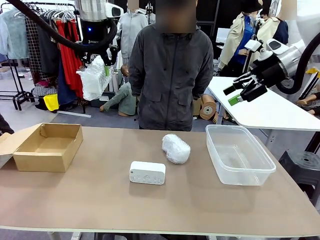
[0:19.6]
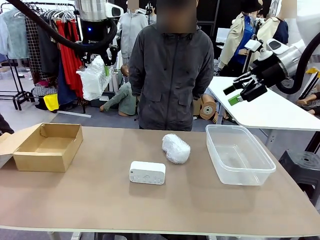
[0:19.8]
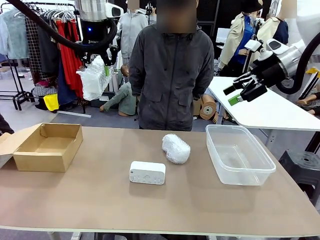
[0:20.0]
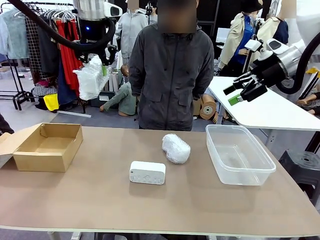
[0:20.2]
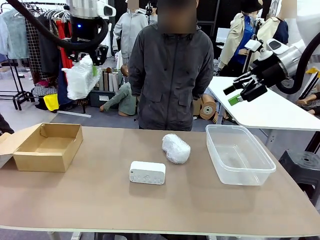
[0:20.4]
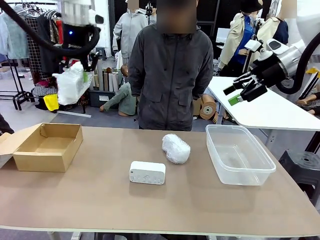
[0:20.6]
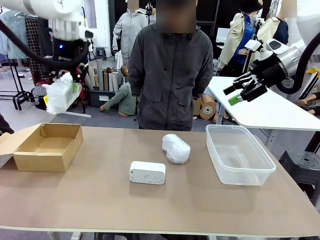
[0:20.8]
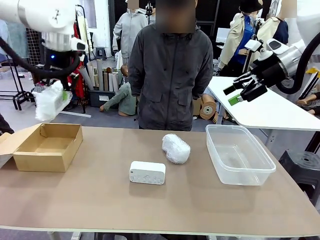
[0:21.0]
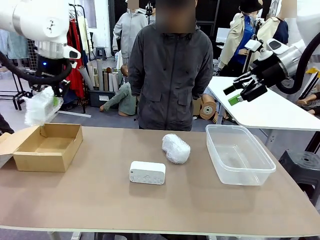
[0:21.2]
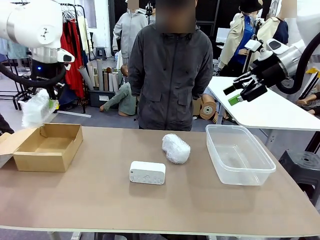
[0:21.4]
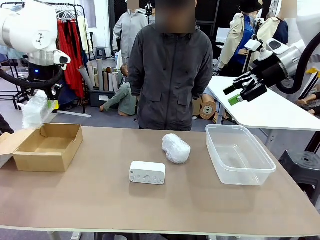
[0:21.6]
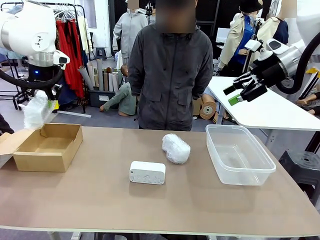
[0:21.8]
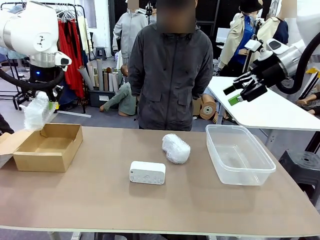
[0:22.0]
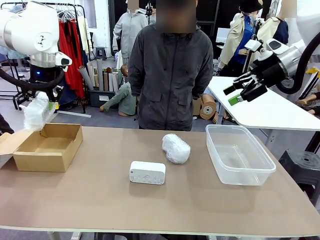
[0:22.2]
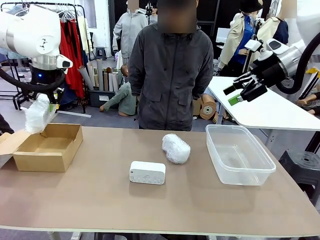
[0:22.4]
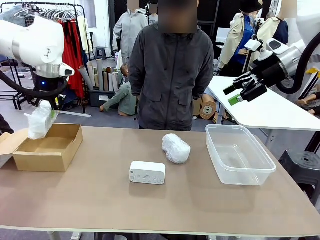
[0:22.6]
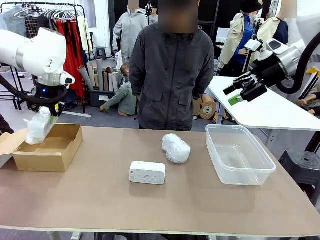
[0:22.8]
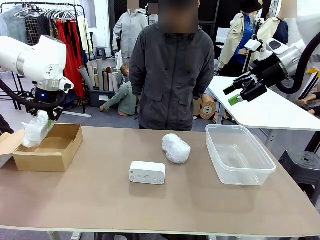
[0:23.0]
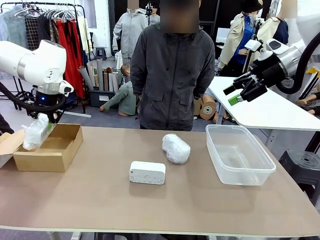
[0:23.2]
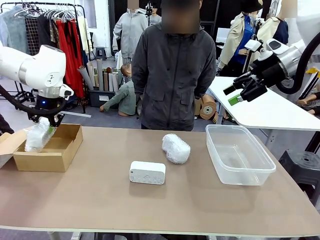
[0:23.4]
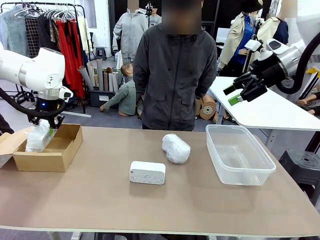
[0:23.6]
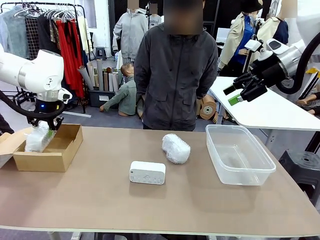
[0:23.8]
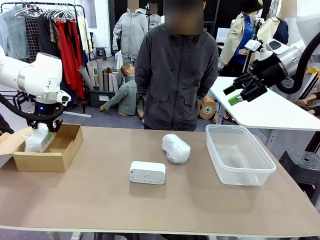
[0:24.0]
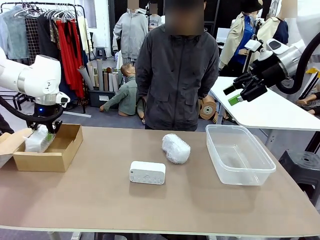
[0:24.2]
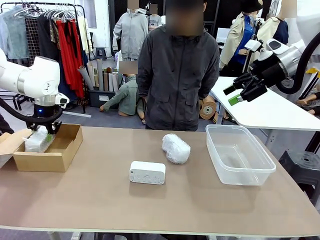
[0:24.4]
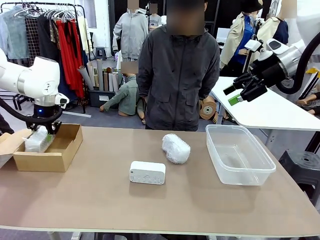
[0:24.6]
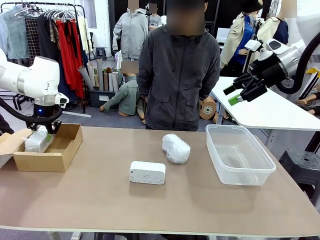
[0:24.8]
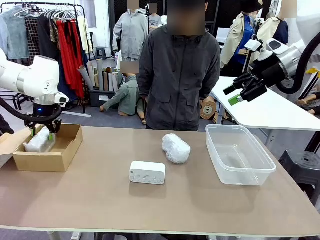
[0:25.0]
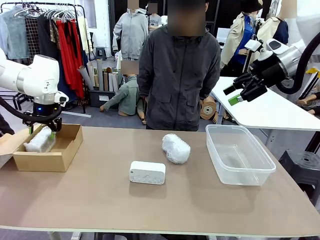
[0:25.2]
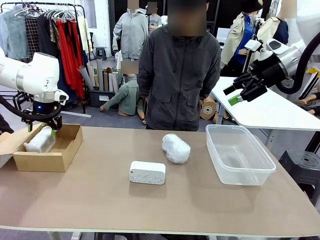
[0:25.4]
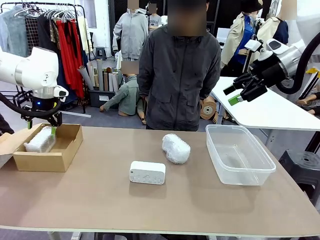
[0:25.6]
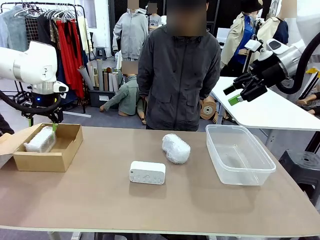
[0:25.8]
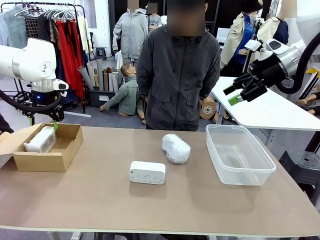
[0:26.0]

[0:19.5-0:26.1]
Task: Separate and place wrapped and unwrapped clocks.
Robot: If the picked Digital clock is wrapped, place it in the Package Box ; if not, place it in the Organizing box.

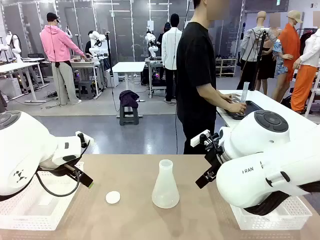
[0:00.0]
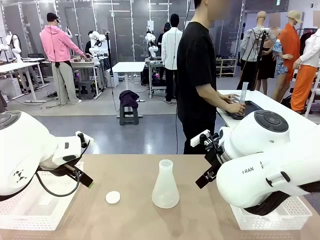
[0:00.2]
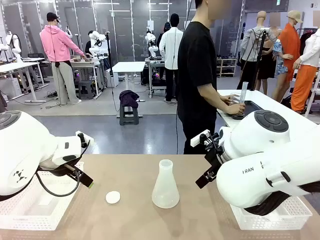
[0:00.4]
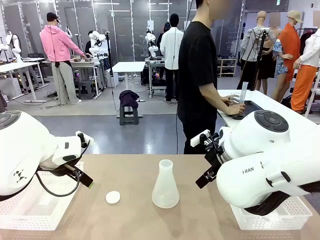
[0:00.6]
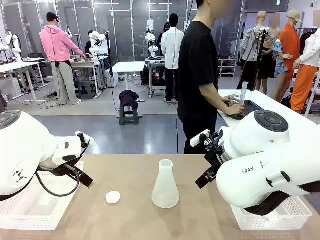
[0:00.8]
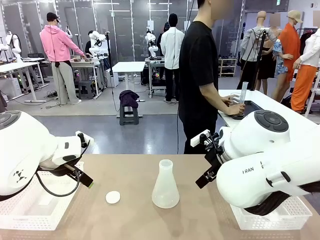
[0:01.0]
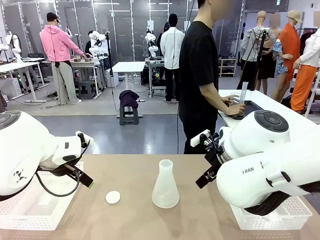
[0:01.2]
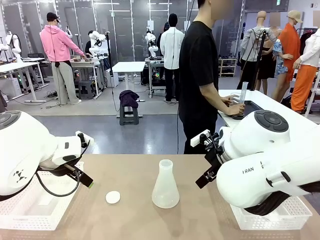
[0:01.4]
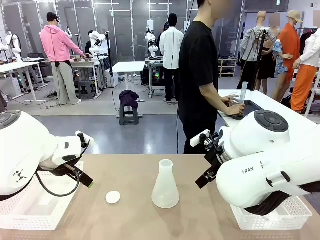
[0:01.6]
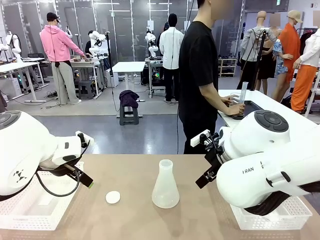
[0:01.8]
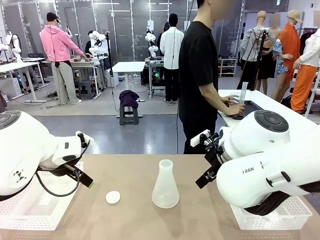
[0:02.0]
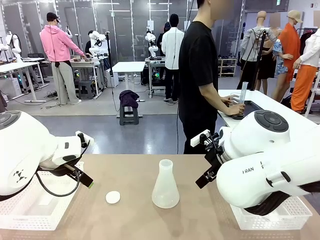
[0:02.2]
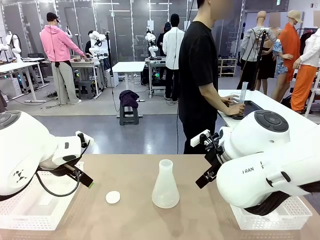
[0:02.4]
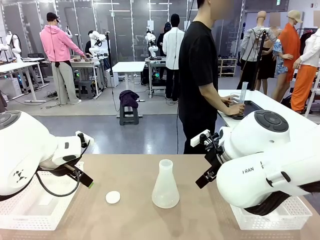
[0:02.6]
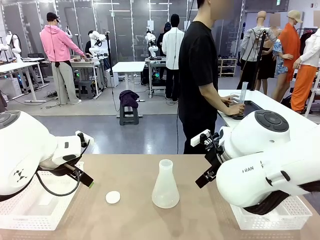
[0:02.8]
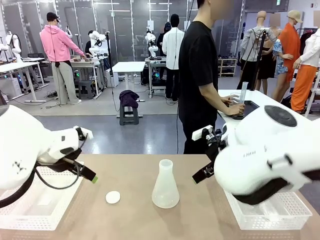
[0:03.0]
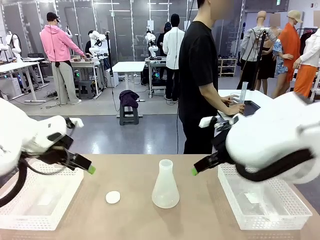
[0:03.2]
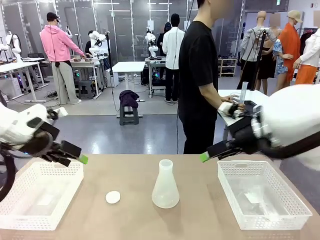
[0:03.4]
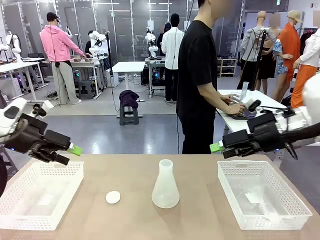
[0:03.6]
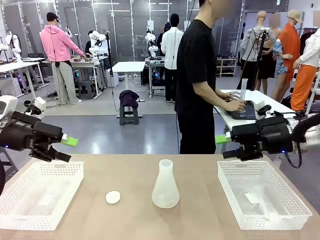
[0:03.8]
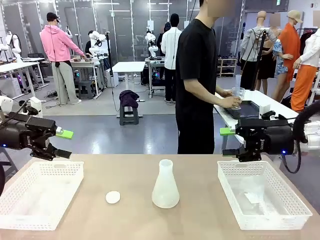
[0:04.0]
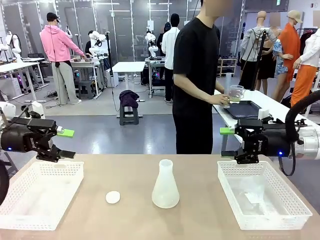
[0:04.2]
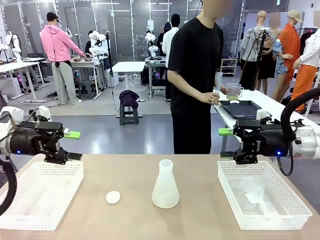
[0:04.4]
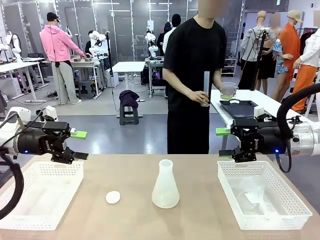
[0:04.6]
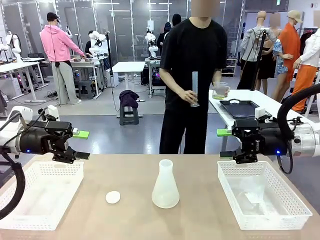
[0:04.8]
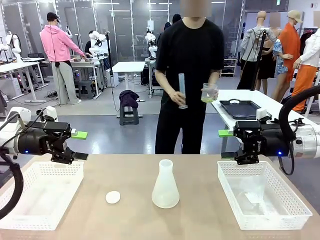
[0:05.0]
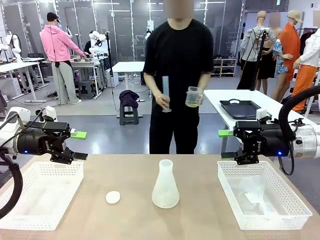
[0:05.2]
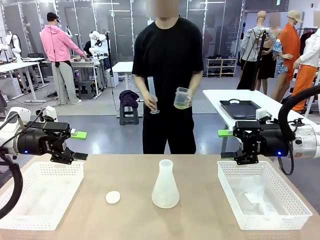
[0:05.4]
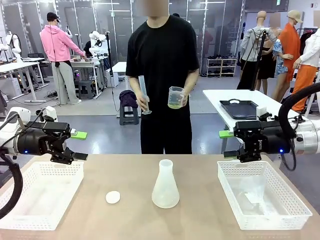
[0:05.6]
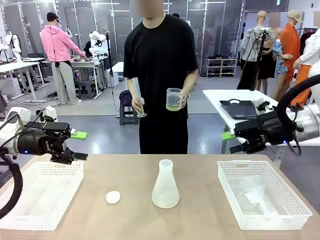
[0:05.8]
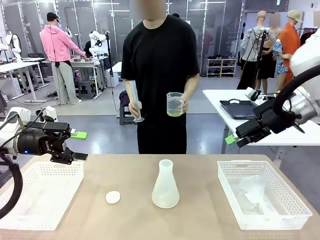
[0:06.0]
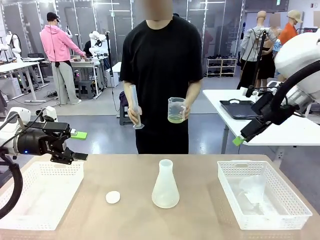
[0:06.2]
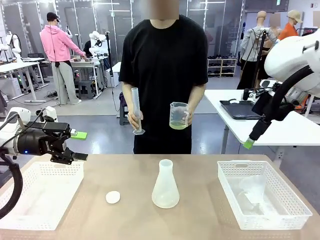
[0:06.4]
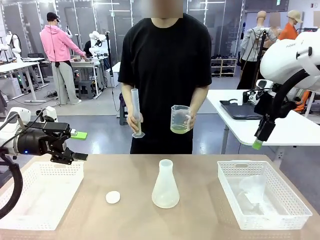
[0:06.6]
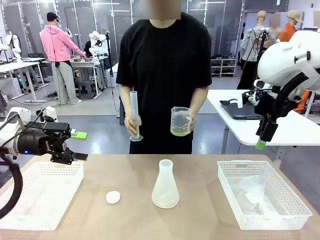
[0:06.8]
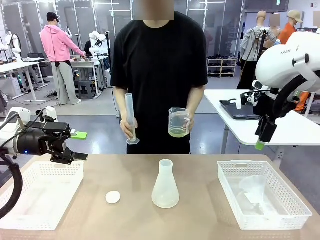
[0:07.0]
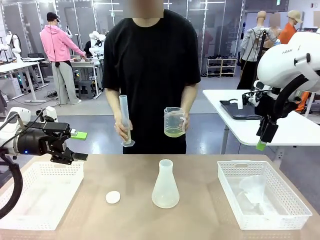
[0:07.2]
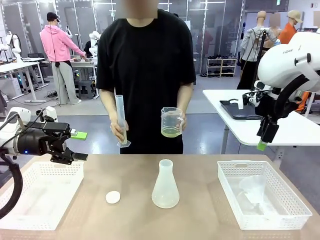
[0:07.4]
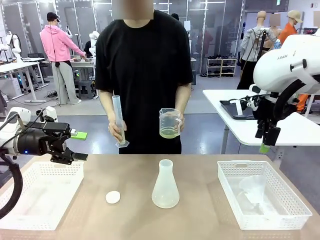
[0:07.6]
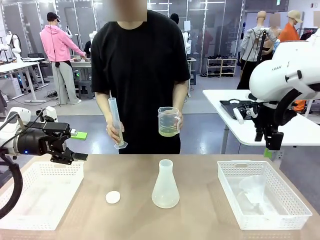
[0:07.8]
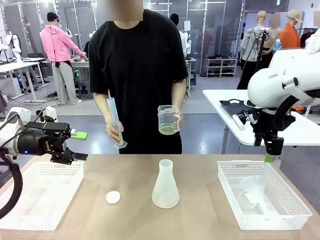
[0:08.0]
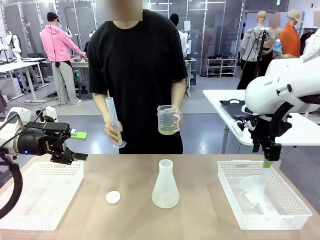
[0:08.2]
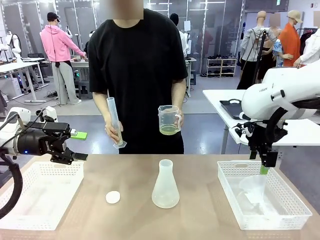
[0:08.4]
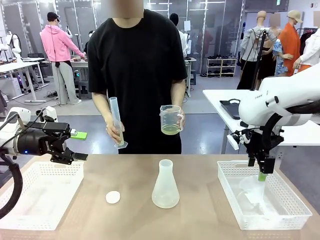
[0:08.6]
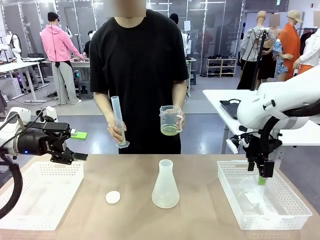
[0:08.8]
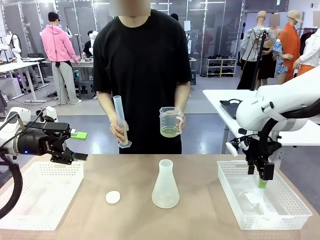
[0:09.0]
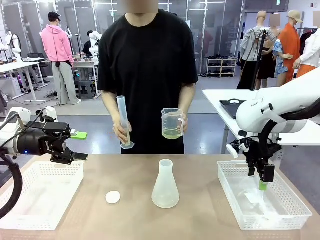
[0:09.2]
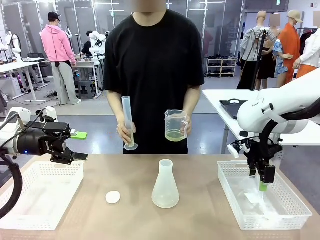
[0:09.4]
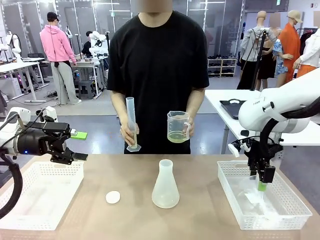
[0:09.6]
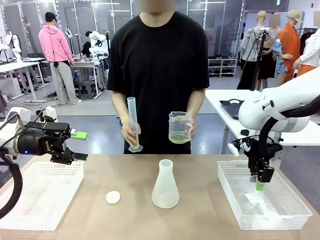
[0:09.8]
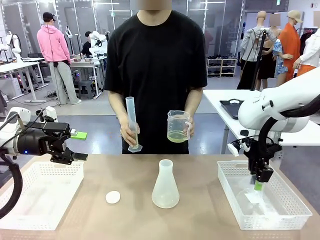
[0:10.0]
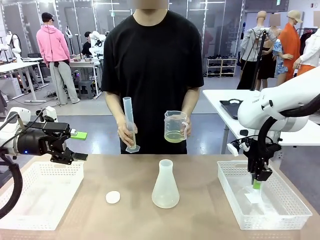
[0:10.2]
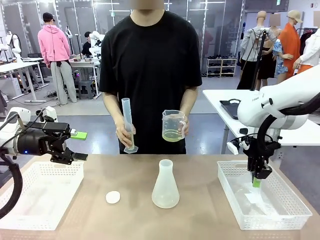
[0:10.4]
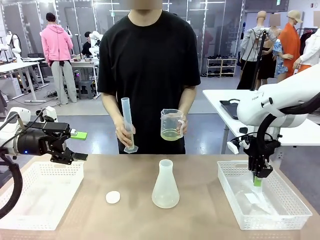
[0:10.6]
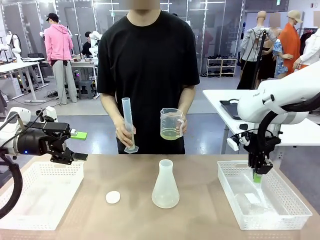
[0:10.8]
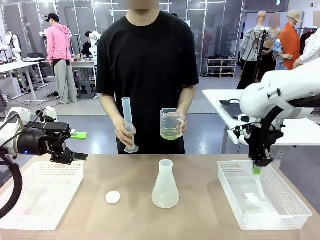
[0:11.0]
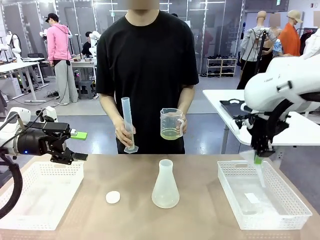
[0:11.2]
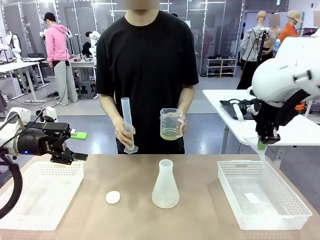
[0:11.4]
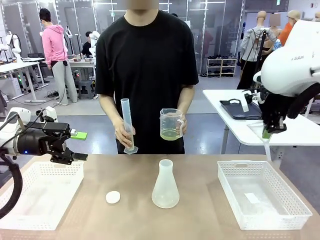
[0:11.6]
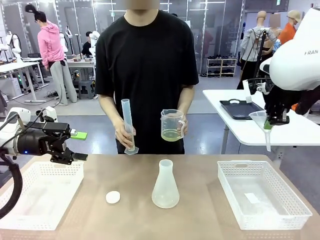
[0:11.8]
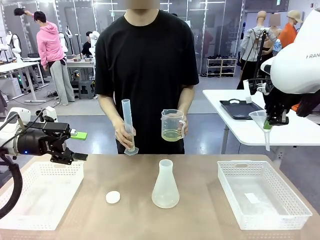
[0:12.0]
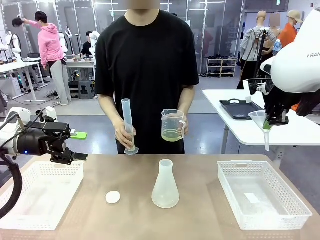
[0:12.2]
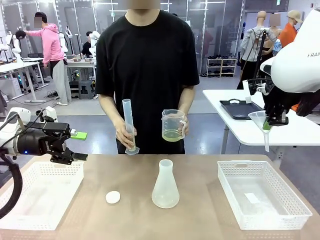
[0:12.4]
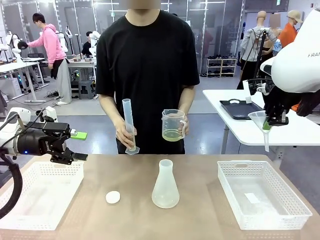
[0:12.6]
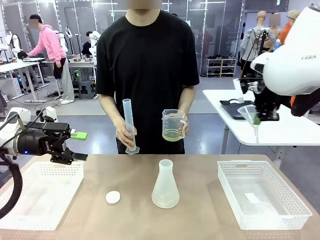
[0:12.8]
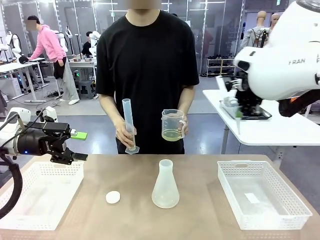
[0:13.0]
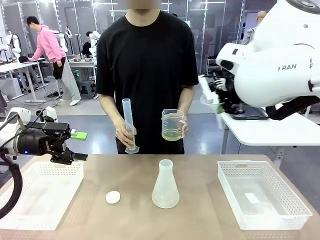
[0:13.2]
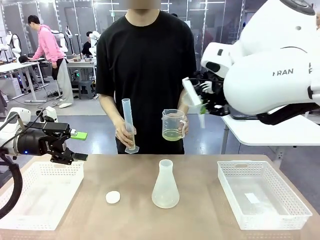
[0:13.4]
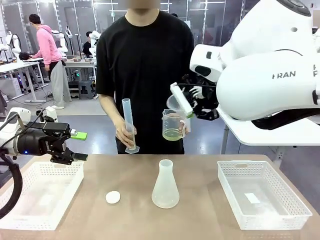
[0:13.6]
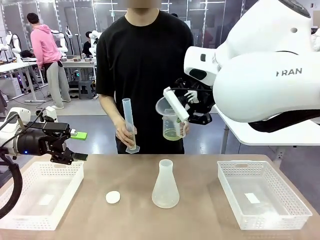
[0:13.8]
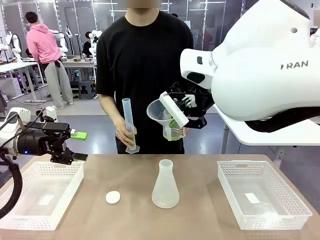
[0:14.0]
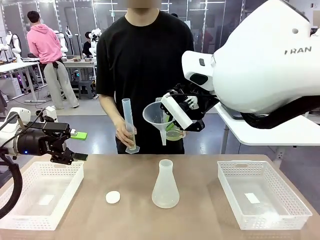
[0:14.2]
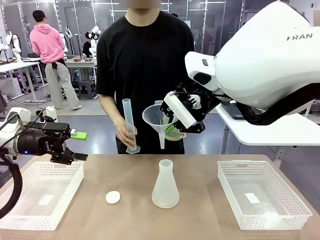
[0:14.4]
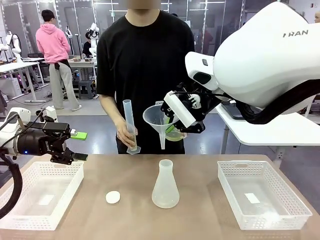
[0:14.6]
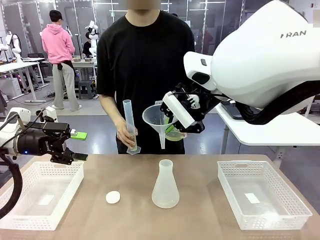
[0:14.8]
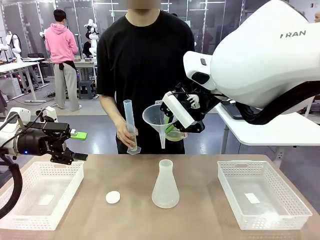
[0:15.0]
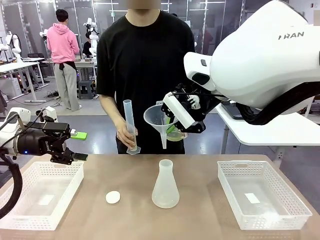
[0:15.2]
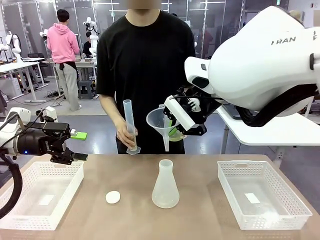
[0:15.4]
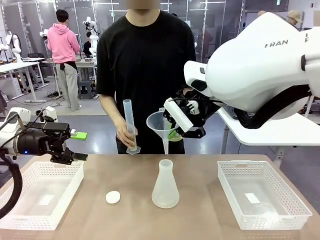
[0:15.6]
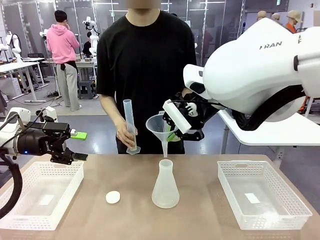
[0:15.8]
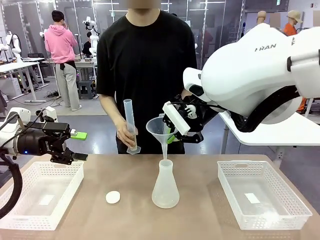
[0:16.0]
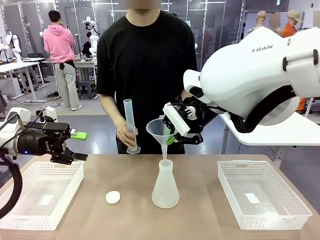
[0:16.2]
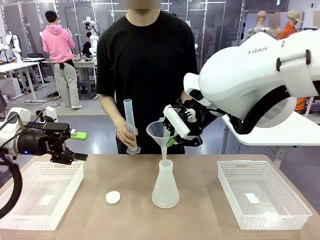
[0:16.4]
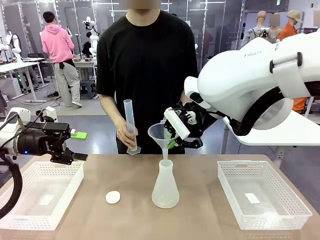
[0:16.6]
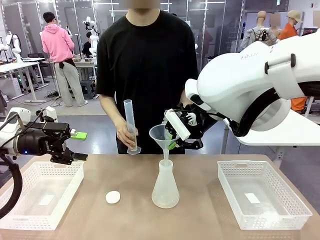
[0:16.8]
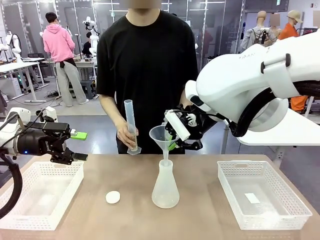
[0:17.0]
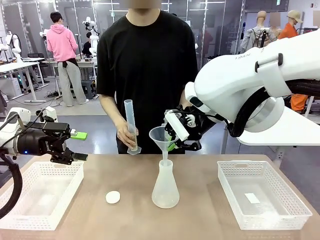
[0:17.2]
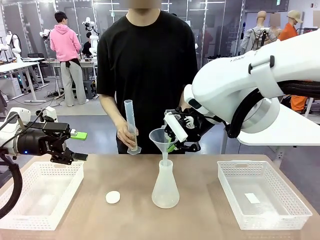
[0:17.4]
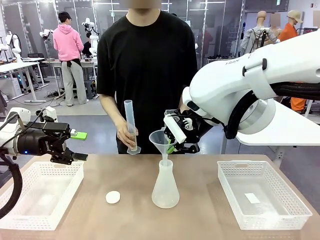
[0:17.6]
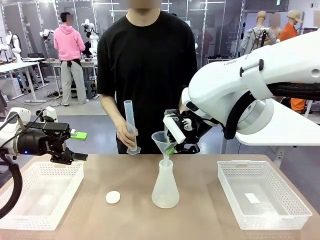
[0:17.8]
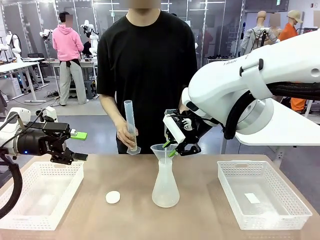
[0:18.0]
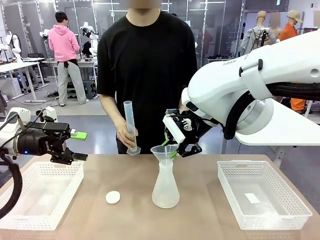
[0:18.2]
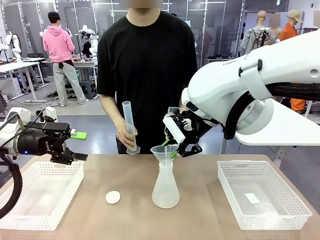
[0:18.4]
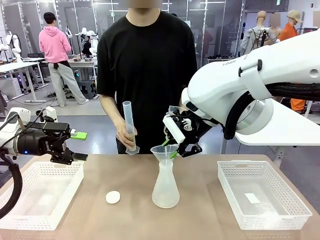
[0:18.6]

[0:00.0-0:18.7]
Task: Prepare the solutions needed for the experiment.
Robot: Pick up the Plastic Funnel and insert it into the Big flask.
Person: Pick up the beaker and the cylinder and move to the middle of the robot table. Pour the solution from the beaker and the cylinder into the flask.
